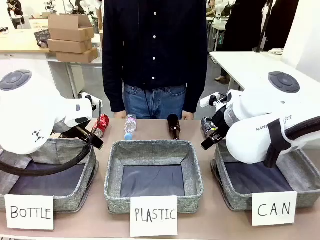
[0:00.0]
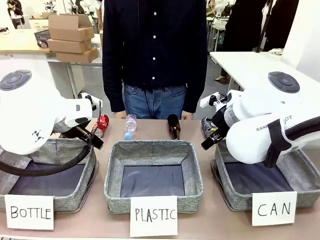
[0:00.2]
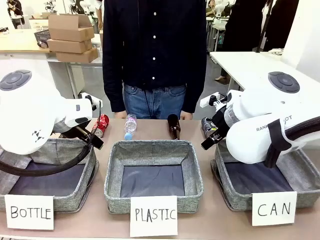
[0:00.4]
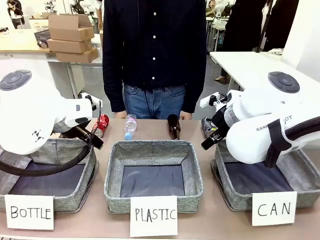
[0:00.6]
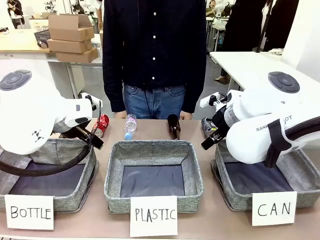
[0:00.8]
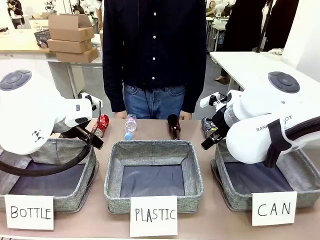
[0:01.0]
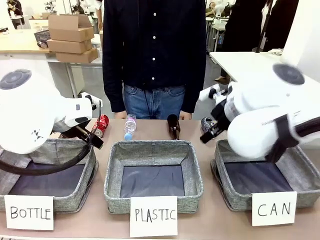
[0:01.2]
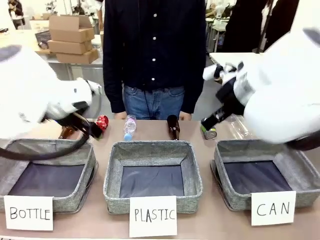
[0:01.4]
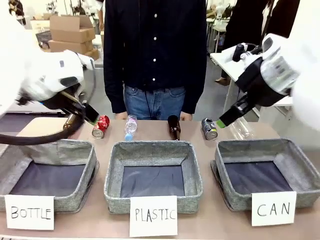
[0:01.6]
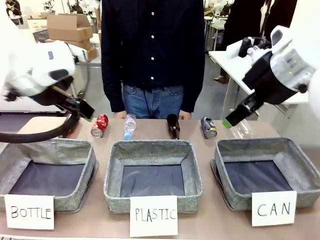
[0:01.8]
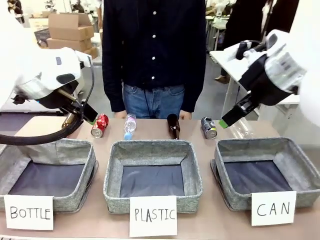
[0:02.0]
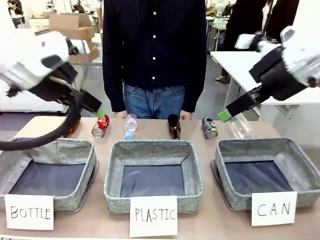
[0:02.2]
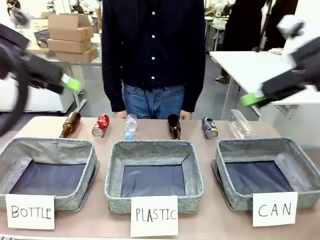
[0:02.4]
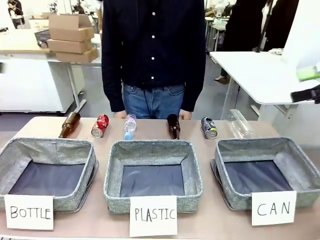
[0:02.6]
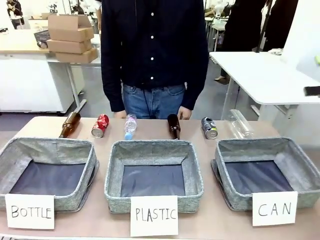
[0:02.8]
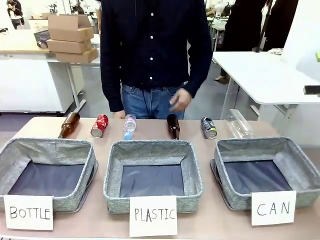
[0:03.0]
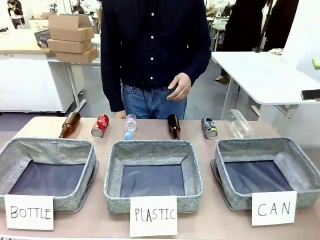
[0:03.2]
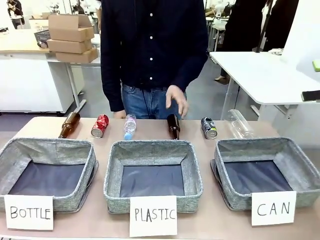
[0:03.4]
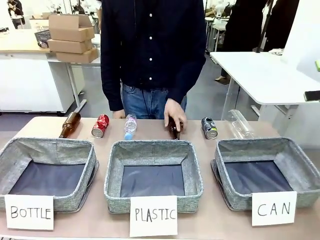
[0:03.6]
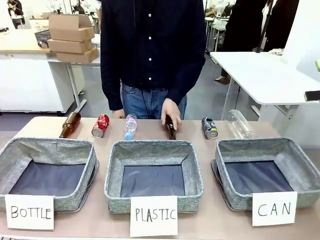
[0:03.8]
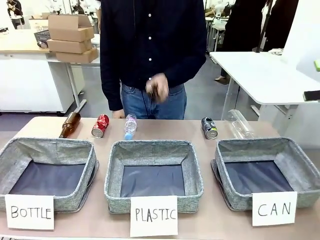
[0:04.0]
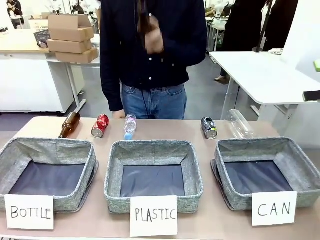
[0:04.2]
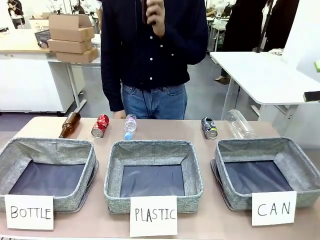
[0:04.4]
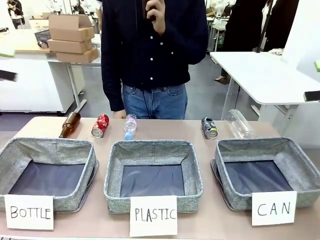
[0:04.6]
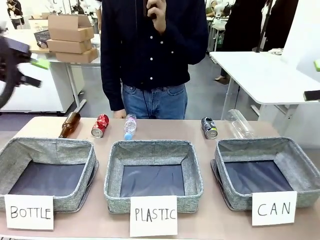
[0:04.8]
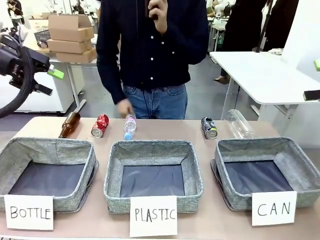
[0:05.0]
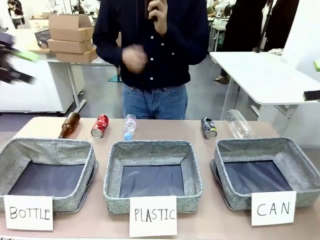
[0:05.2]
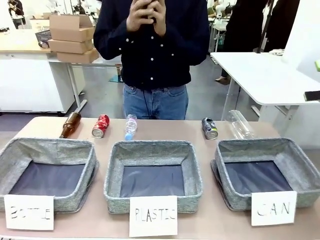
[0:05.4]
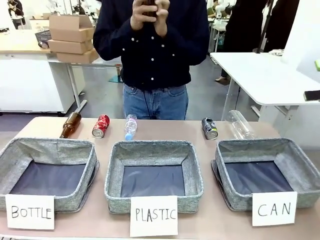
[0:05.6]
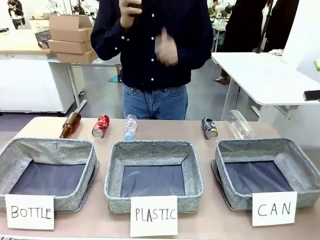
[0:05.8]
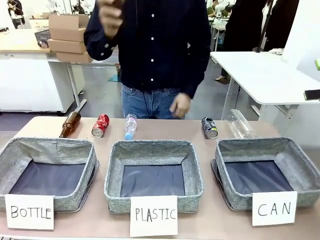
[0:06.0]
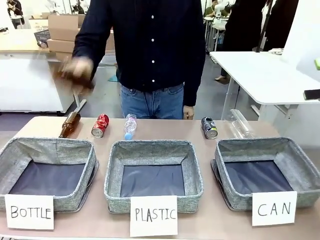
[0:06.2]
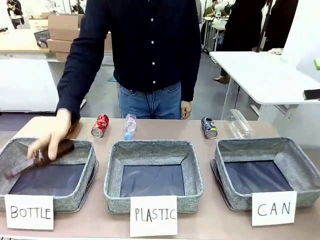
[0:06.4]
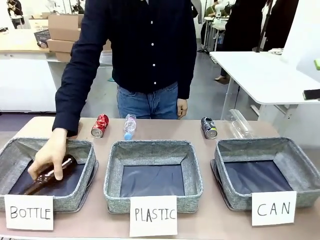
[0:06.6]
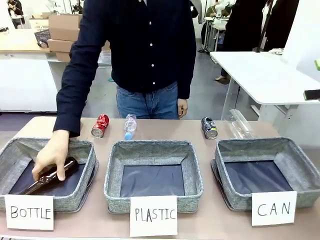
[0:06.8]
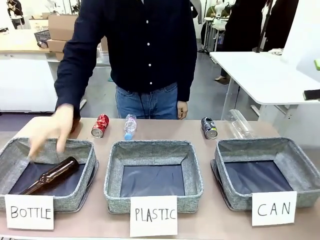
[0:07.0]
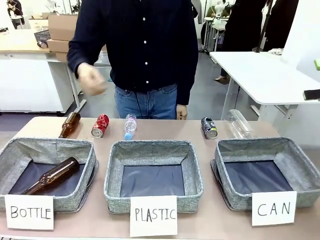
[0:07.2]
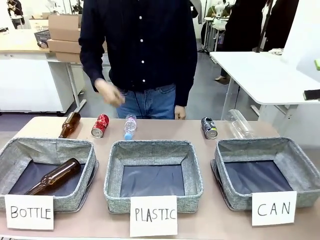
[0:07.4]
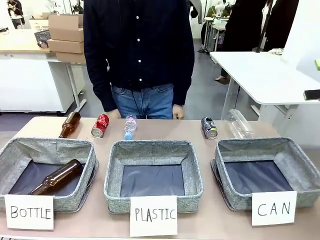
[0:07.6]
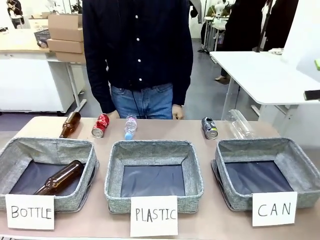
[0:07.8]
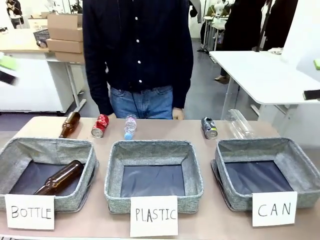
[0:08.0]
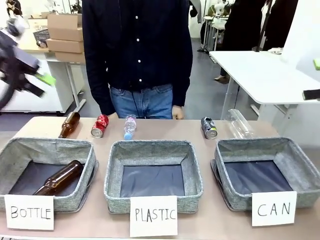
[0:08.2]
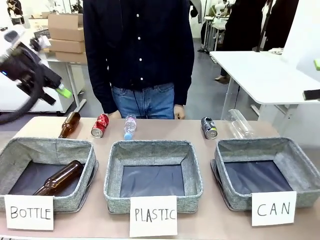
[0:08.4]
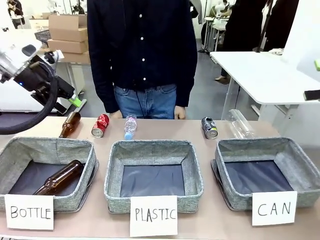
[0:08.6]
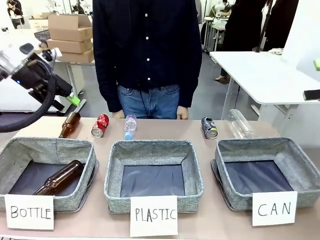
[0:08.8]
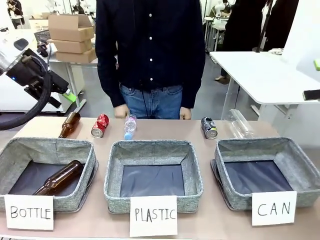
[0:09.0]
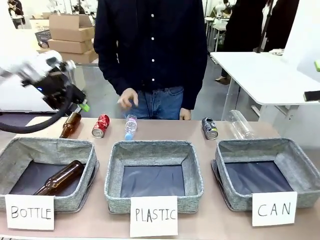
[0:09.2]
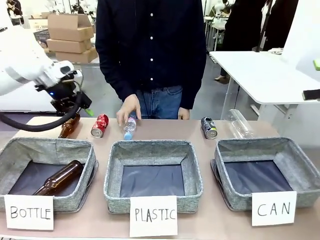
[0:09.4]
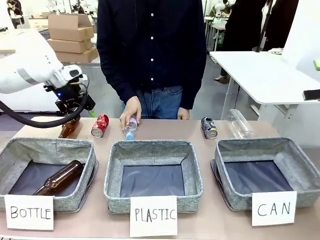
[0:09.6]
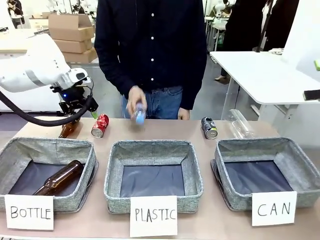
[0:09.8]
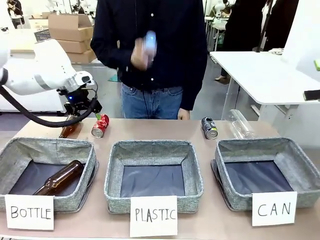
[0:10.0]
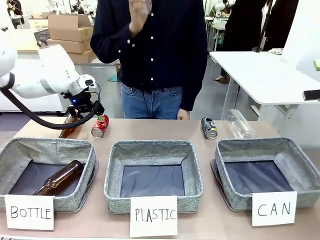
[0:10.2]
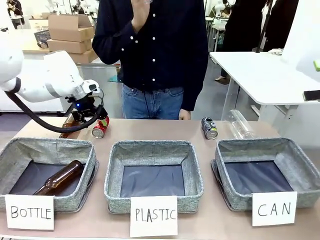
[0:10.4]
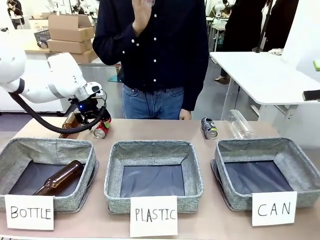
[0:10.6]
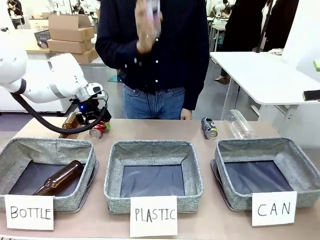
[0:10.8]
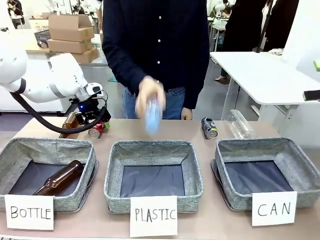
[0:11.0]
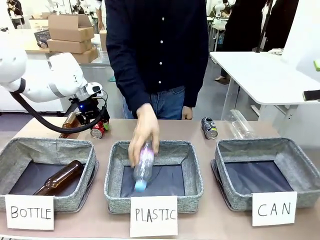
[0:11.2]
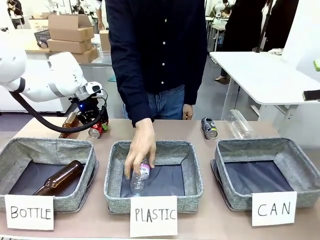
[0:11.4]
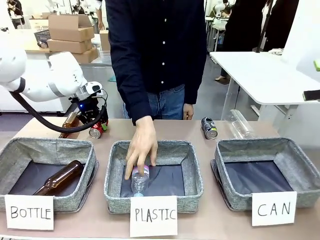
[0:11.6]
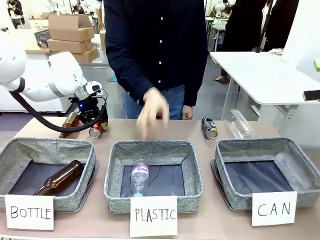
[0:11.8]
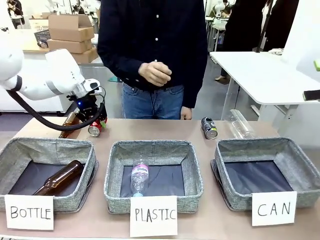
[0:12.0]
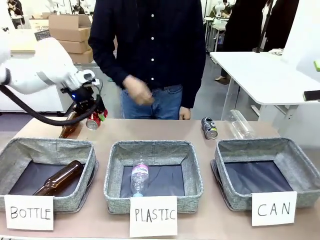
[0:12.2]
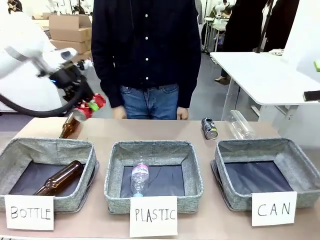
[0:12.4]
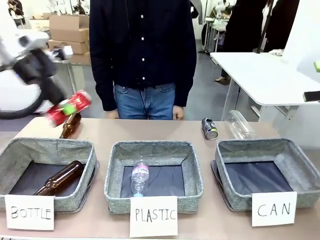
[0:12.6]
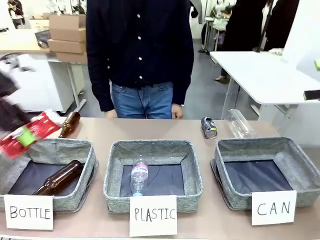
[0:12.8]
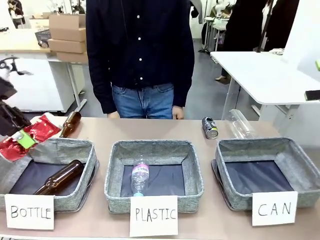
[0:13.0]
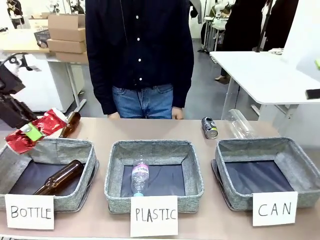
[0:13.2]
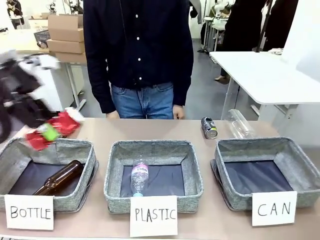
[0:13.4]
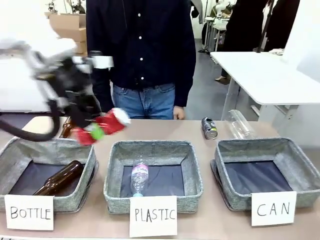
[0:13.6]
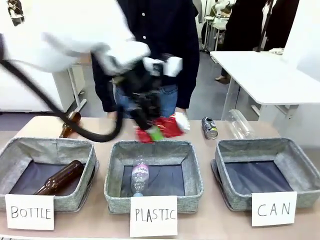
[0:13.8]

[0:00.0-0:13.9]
Task: Sort the can waste into the basket.
Robot: Pick up the can waste from the table and place it in the right Fabric basket.

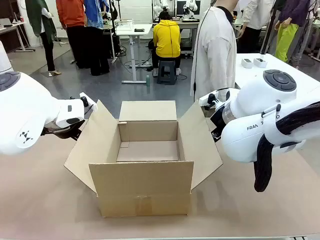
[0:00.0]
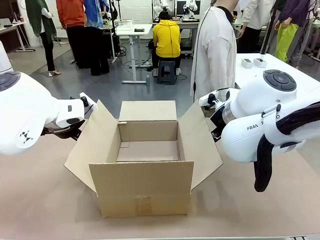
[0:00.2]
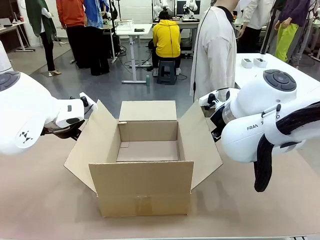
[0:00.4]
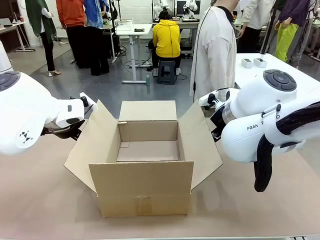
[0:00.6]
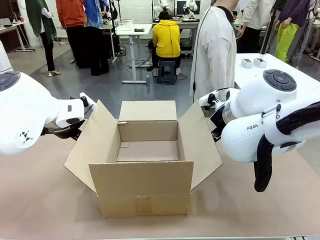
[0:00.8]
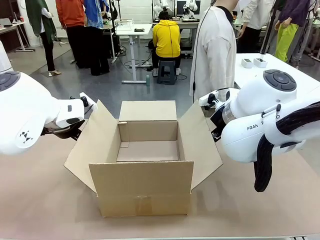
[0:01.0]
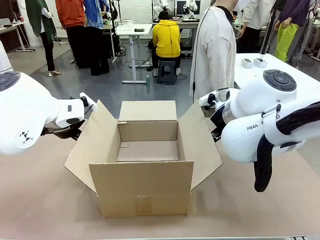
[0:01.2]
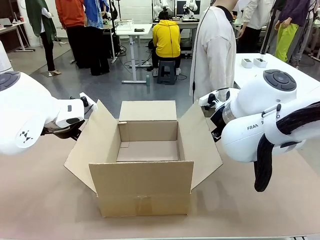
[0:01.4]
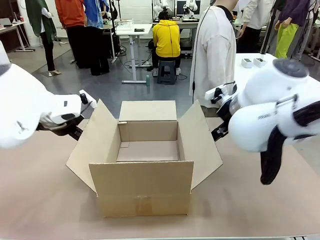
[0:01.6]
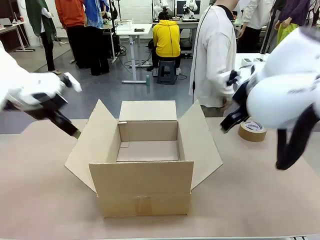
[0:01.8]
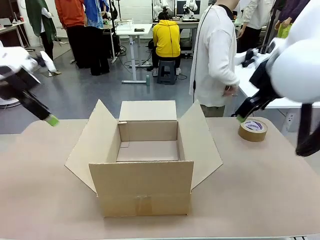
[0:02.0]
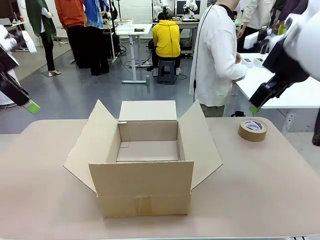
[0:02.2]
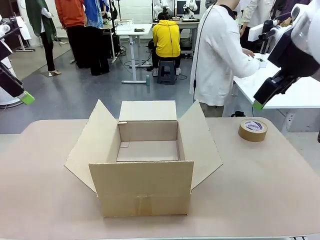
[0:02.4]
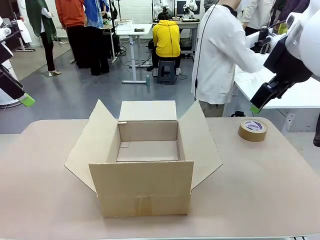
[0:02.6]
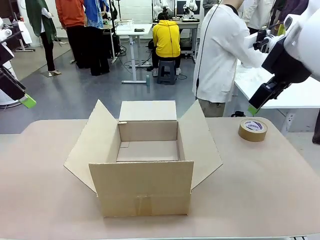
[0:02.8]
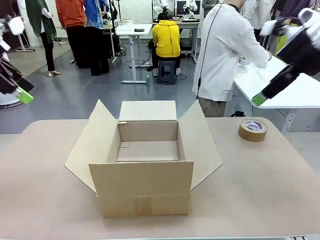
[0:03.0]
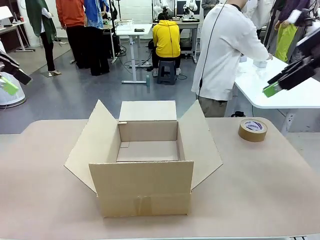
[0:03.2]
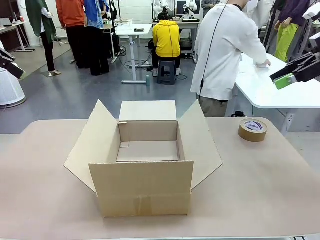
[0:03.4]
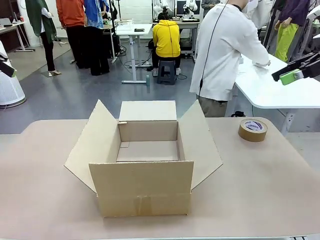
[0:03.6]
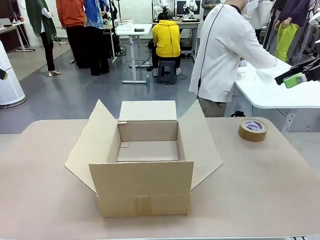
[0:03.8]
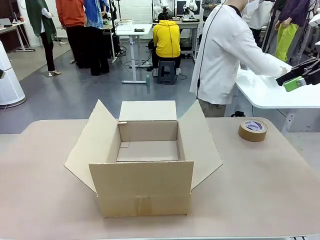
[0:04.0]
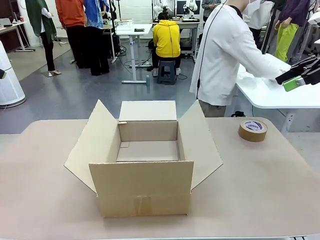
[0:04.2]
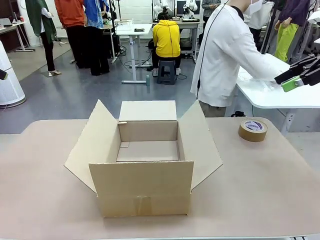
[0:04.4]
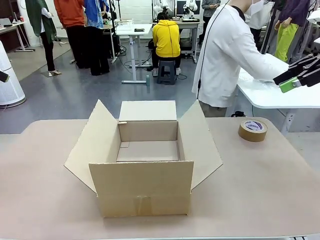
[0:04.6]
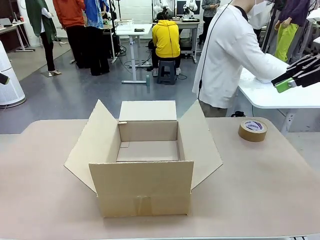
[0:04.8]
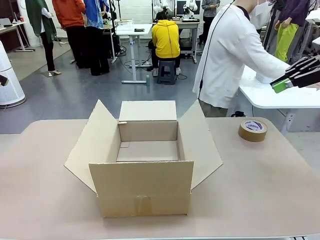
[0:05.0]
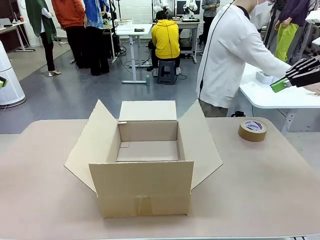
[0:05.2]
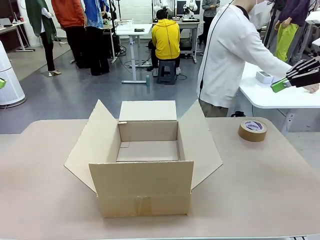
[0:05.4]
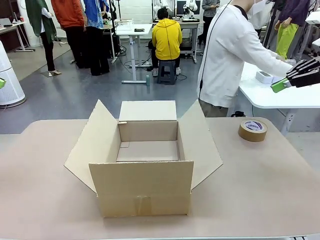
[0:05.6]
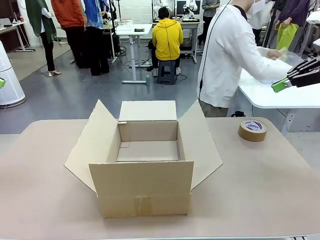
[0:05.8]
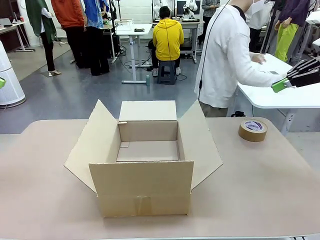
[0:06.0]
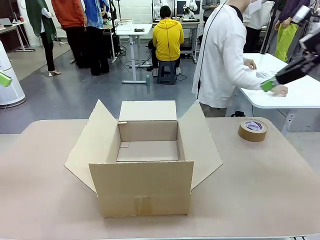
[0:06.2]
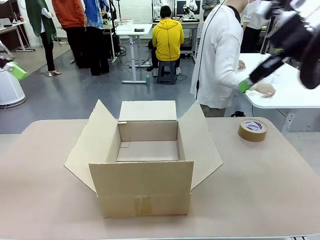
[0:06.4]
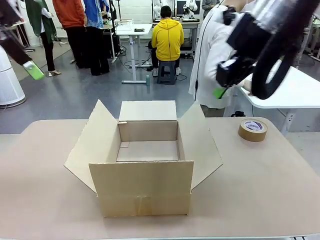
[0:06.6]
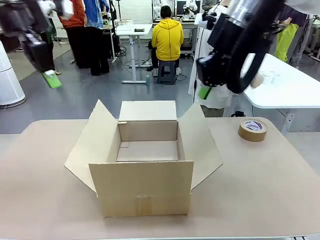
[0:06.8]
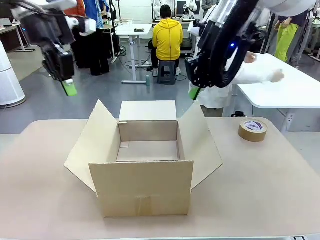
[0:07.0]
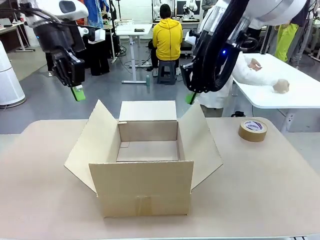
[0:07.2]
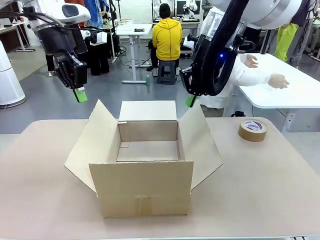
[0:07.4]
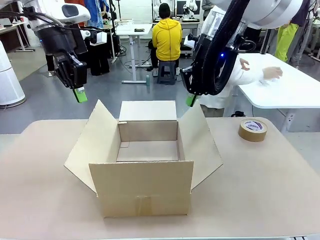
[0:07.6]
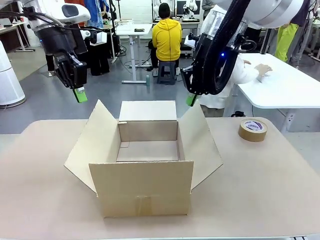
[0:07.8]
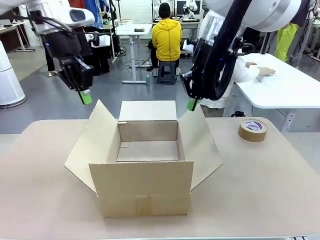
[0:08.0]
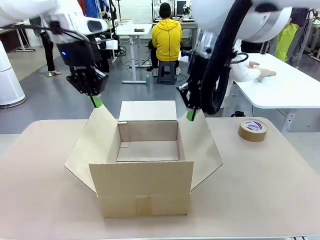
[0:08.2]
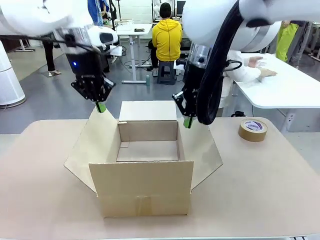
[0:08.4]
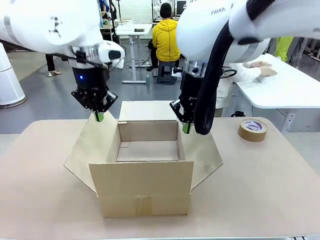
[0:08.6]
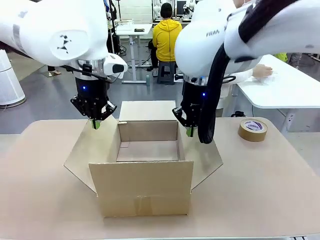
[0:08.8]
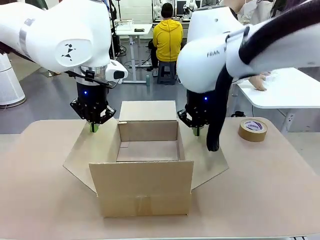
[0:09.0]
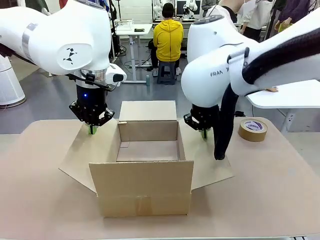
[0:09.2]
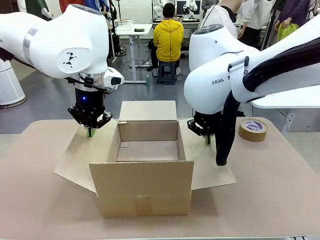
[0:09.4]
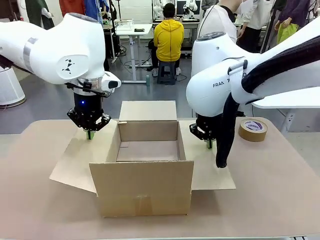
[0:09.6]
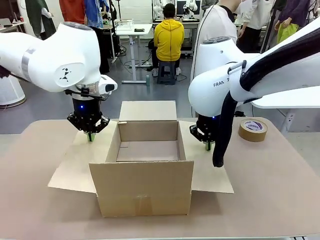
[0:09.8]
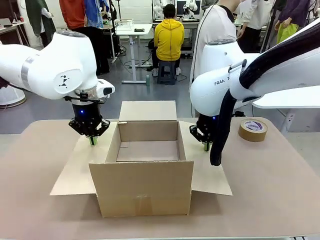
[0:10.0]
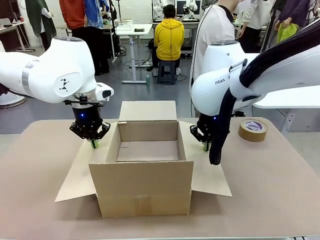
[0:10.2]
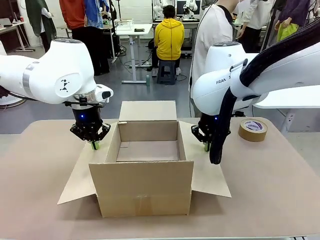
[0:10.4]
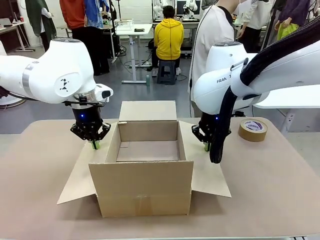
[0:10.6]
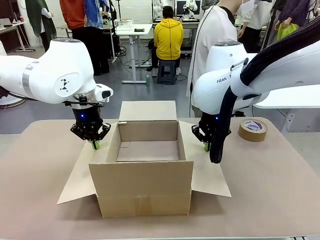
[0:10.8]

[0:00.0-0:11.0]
Task: Wrap the clocks to prevent damage.
Robot: Open the side flaps of the Package Box.
Person: Wrap the two Digital clocks with Bubble Wrap.
